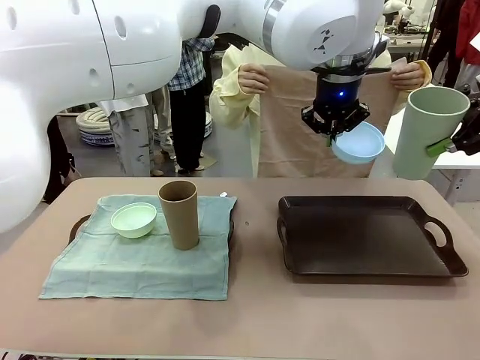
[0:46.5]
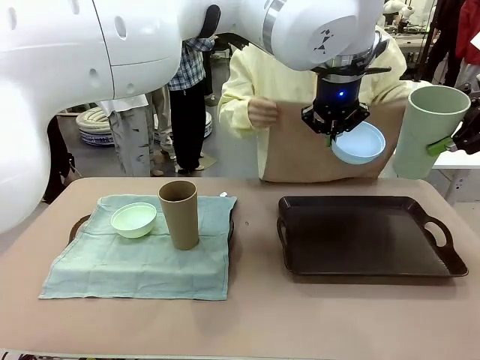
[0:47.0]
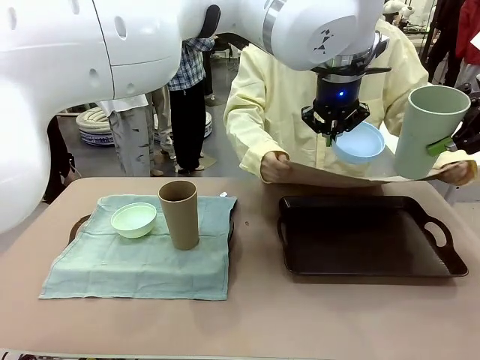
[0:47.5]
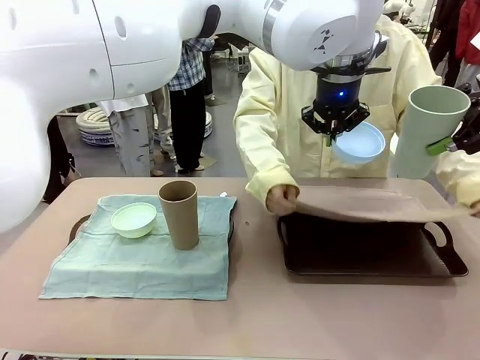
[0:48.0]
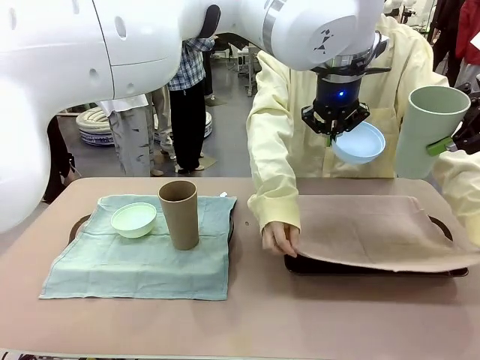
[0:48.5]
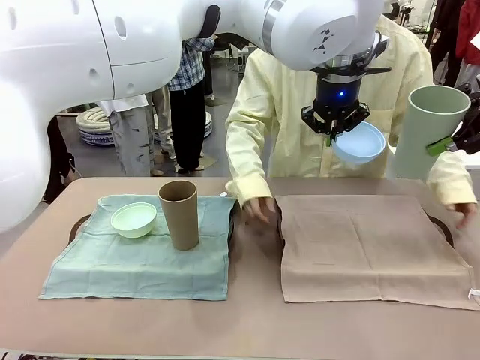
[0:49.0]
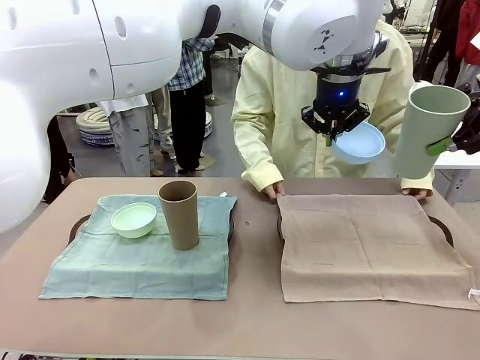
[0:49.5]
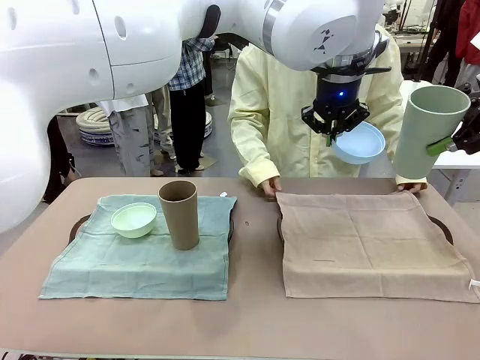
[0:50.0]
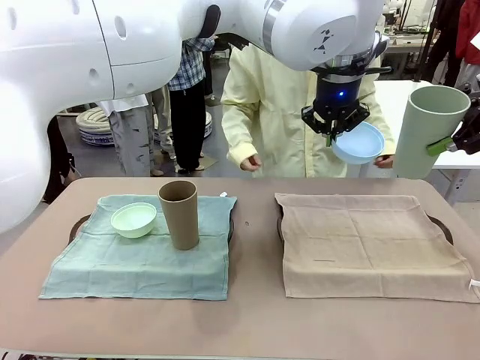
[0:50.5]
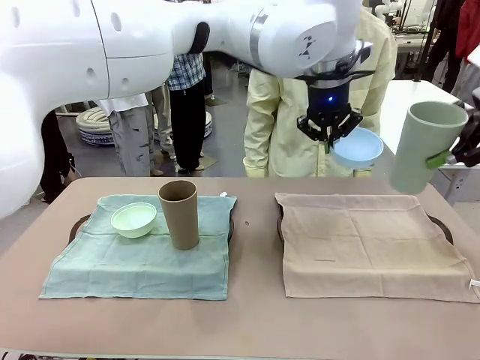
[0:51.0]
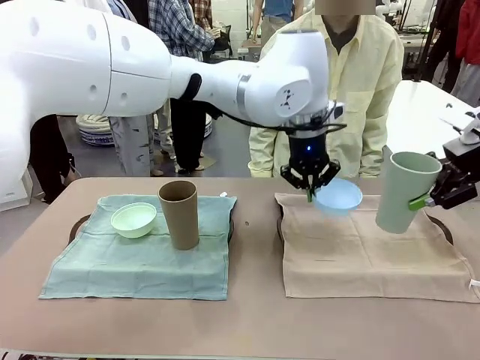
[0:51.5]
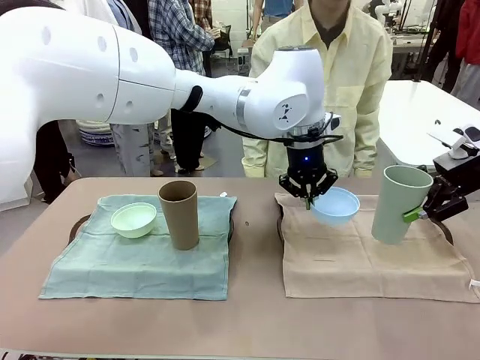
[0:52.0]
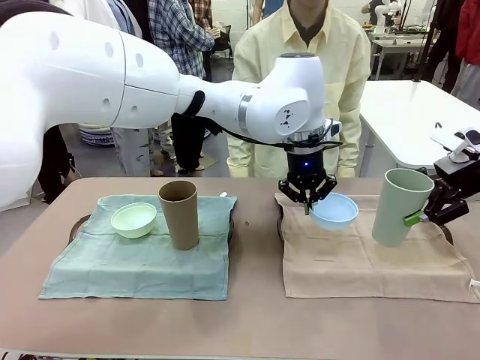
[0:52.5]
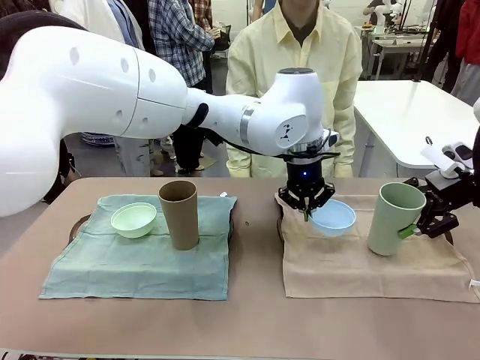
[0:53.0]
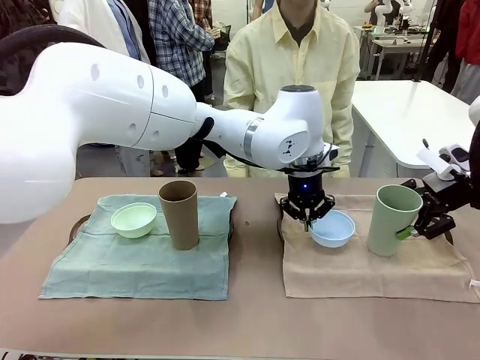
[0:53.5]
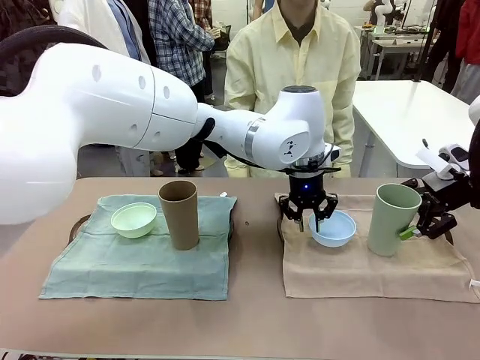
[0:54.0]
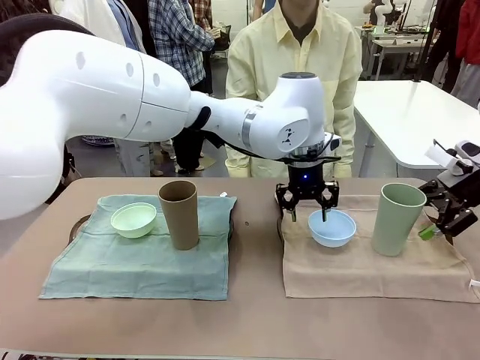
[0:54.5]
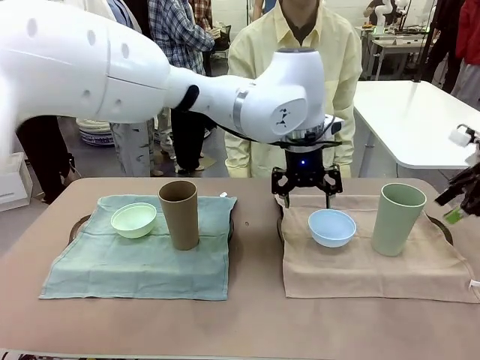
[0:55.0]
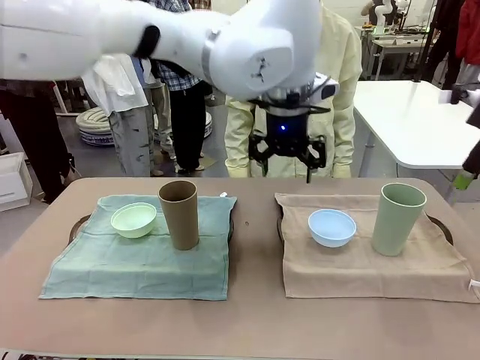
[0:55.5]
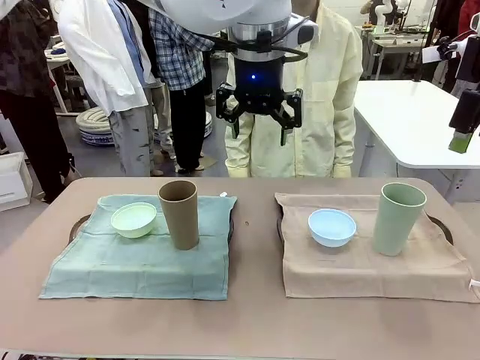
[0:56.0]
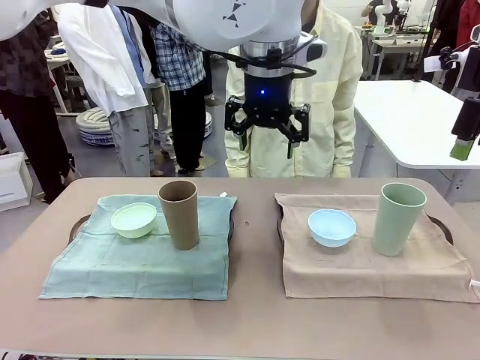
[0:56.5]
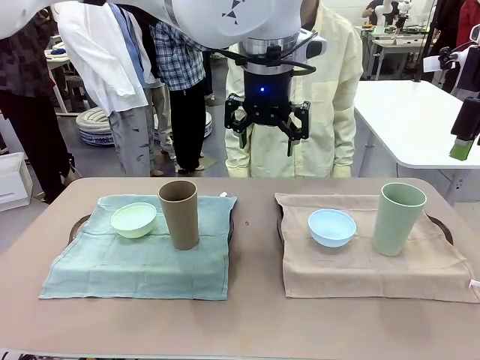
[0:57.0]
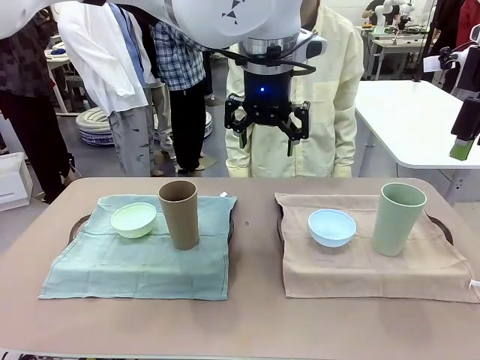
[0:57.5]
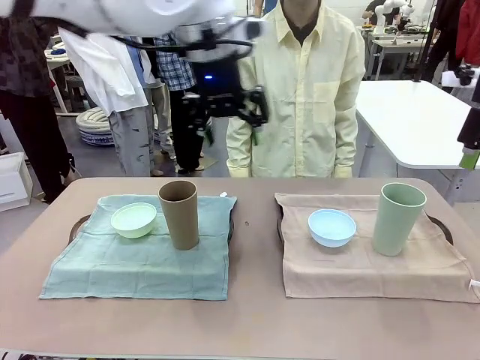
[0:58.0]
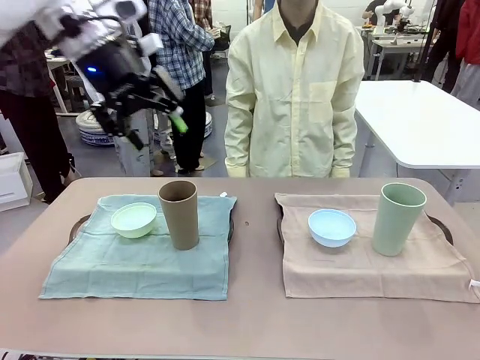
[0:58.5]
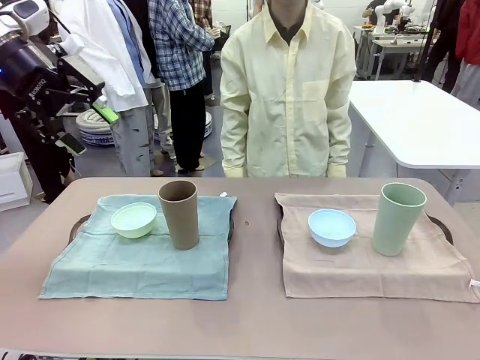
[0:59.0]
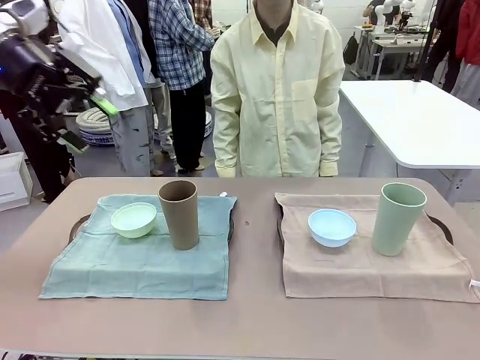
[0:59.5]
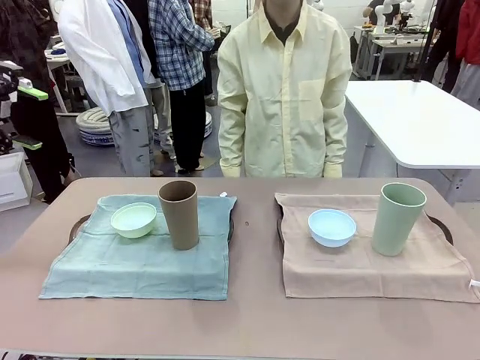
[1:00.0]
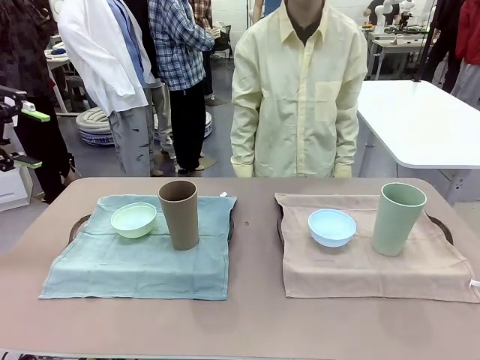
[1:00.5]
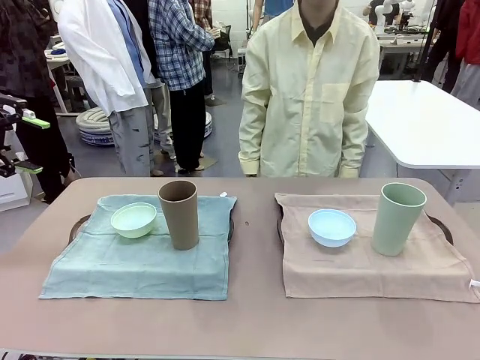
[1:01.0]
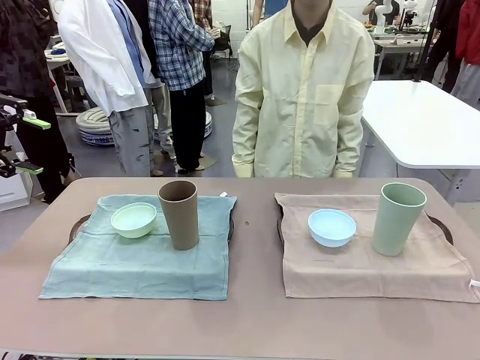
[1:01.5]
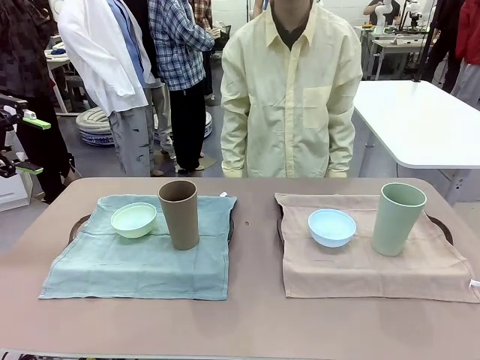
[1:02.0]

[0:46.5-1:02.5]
Robot: Place the Picnic Bowl and Reusable plastic cup back onto the Handle tray in front of the human's position.
Person: When the robot lifts the bowl and the cup, the human unfolds the napkin and lays the napkin flat on the tray.

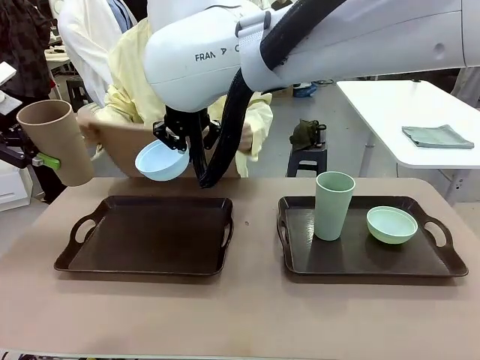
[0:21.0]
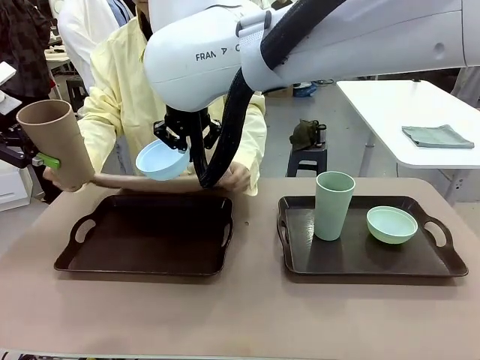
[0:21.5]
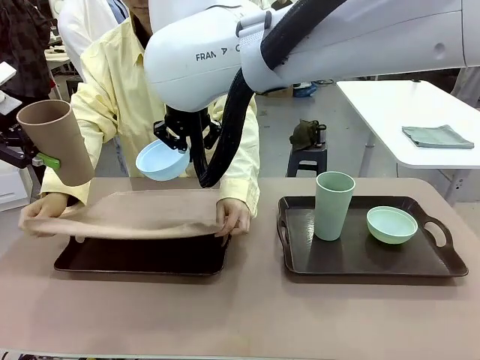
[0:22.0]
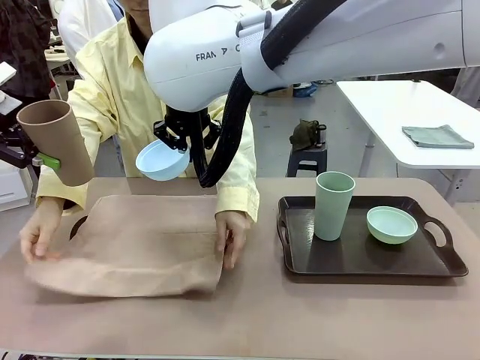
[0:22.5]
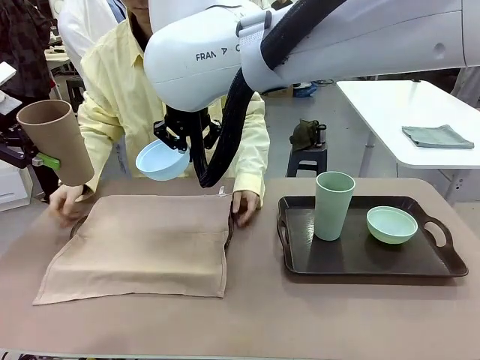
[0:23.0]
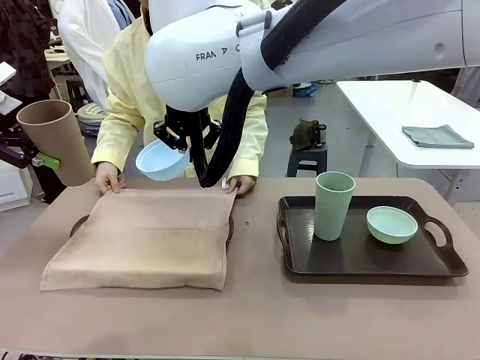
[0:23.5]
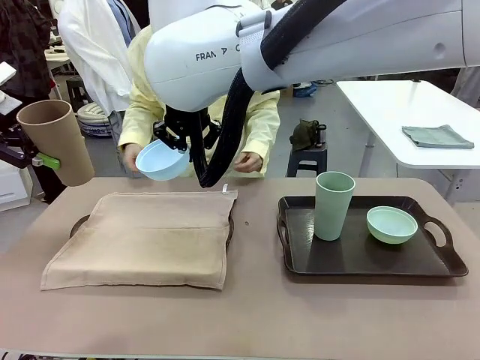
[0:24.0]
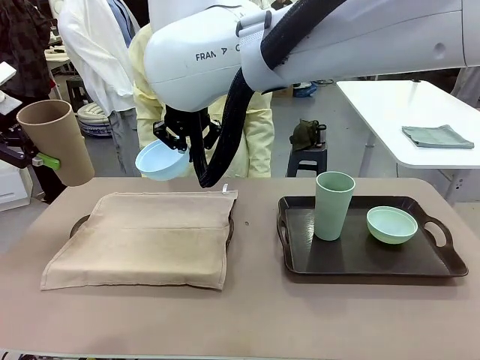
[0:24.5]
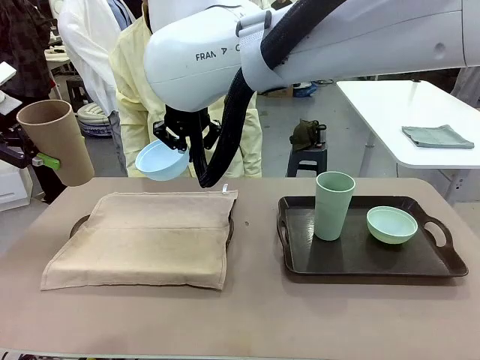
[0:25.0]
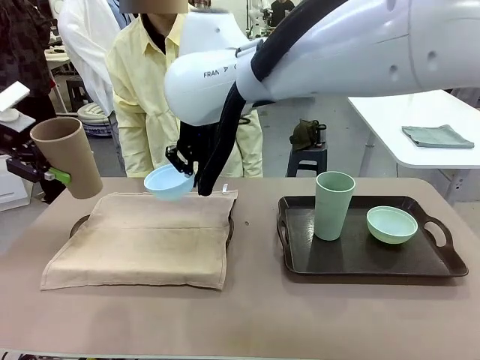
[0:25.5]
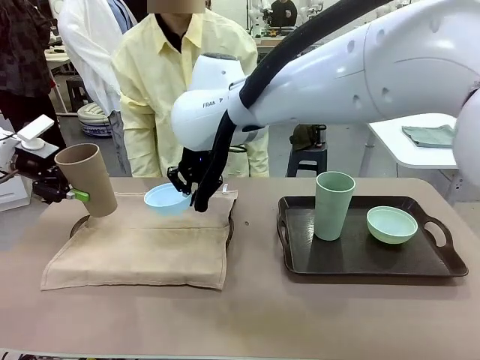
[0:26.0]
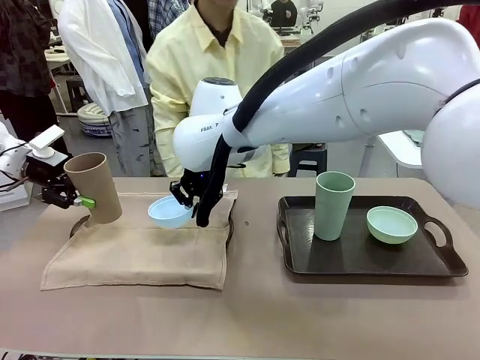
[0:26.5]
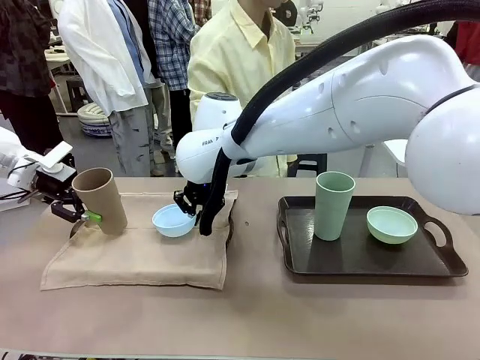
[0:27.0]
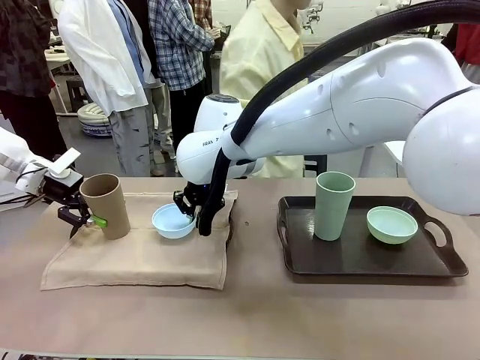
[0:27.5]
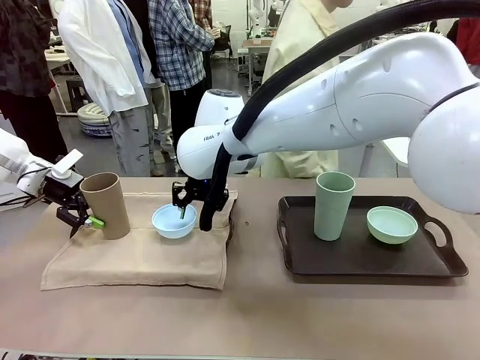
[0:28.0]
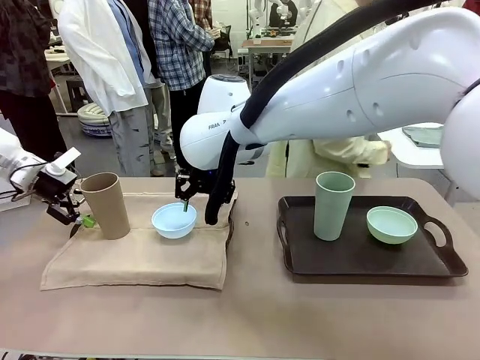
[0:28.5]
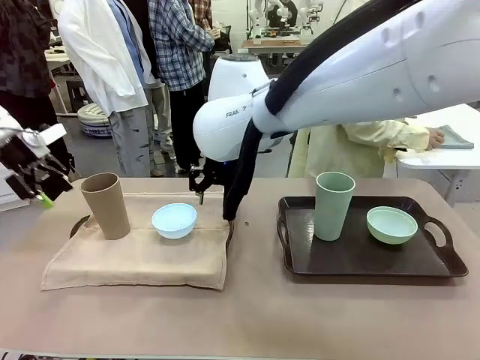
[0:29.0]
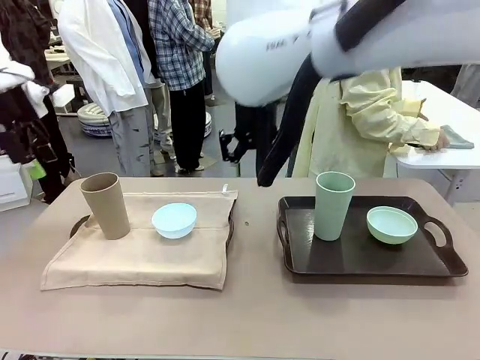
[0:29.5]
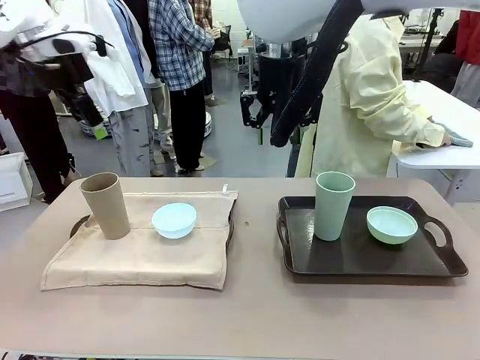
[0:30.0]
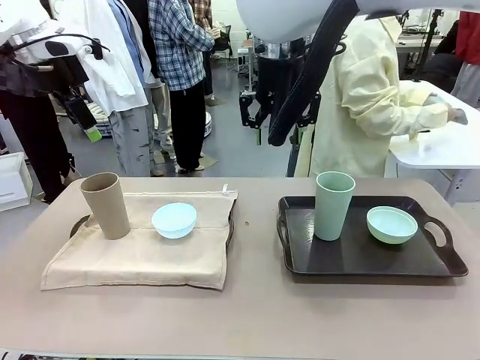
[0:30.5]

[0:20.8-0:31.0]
Robot: Place the Picnic Bowl and Reusable plastic cup back onto the Handle tray in front of the human's position.
Person: The human returns to the human table to pick up another napkin and walks to the robot table to stand in front of the tray without a napkin.

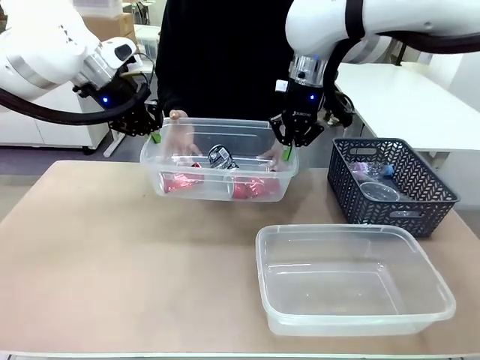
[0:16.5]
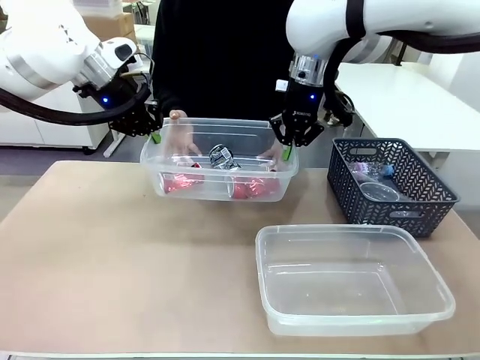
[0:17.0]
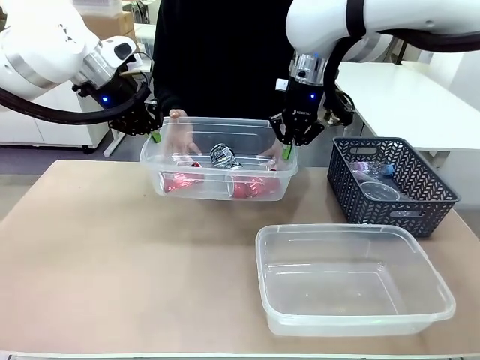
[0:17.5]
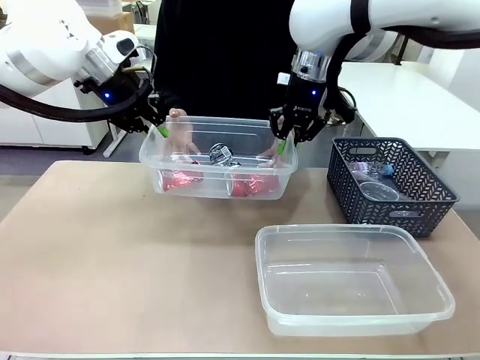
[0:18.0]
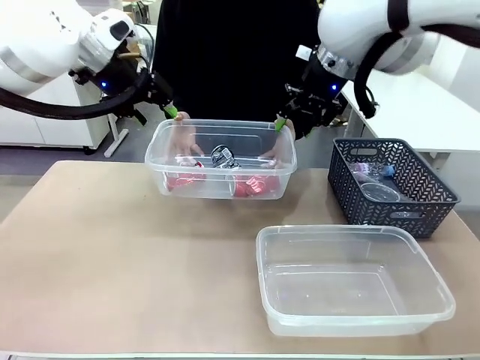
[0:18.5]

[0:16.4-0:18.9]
Robot: Release the Organizing box you were holding.
